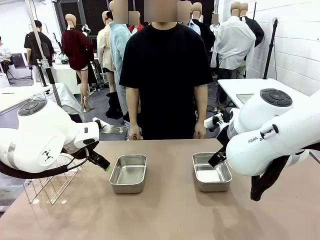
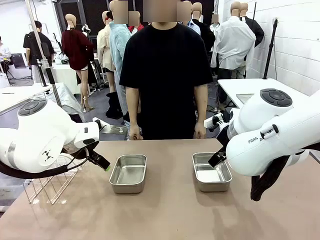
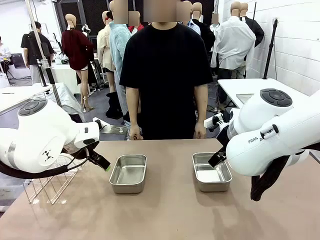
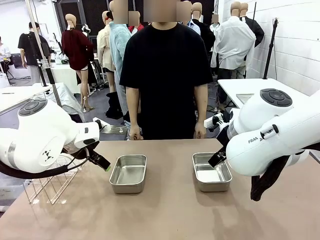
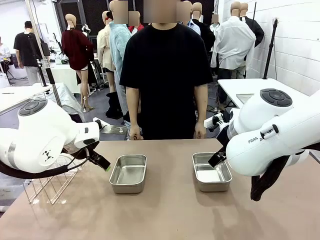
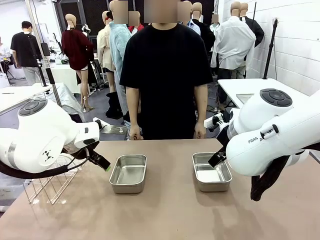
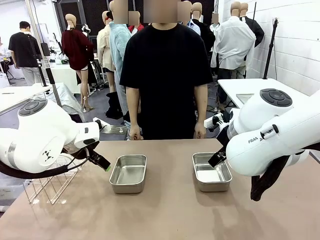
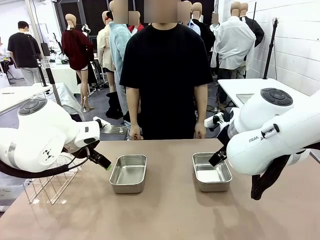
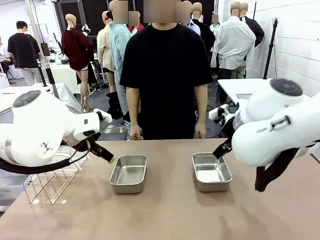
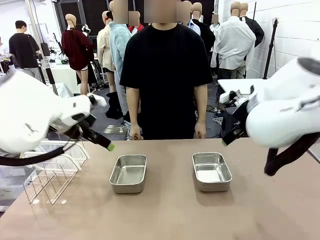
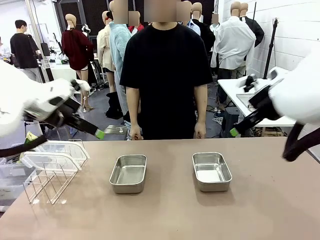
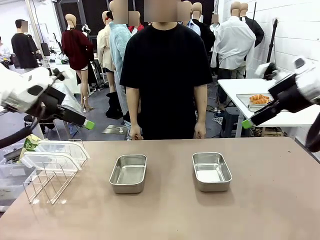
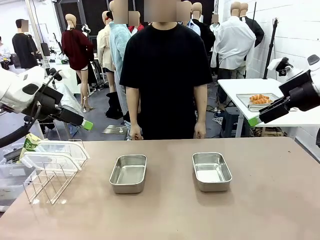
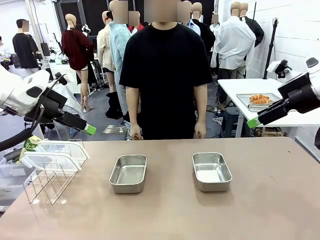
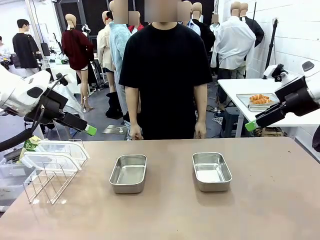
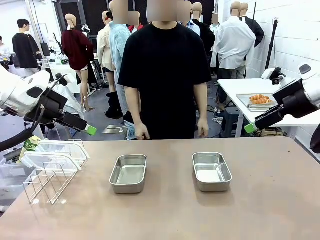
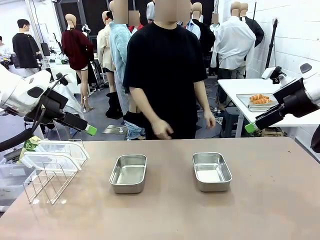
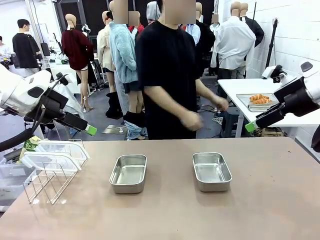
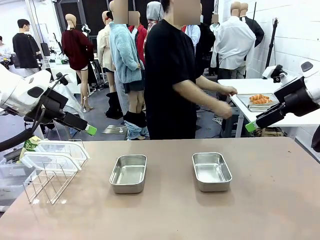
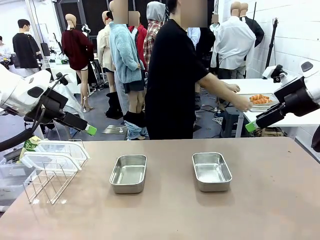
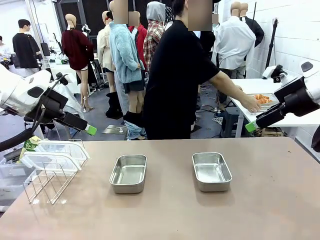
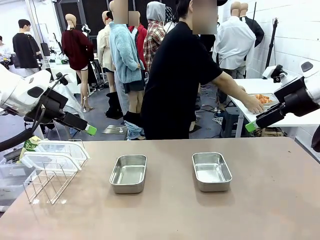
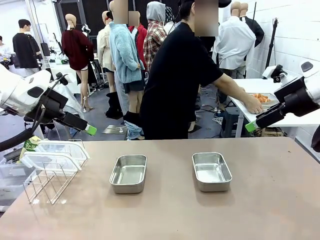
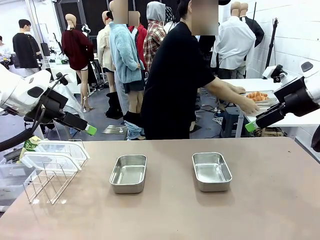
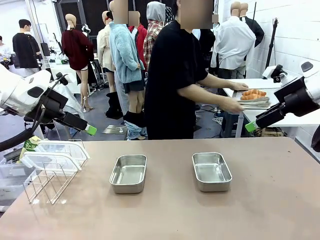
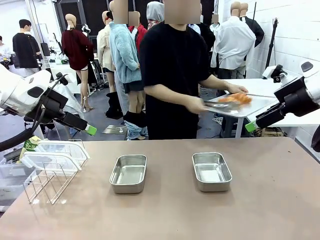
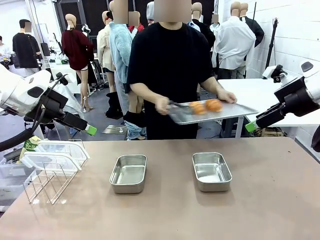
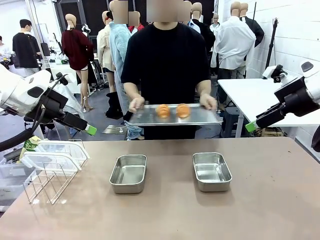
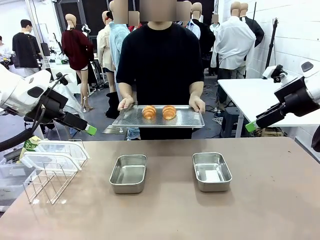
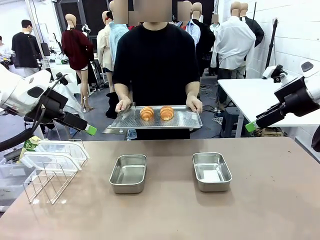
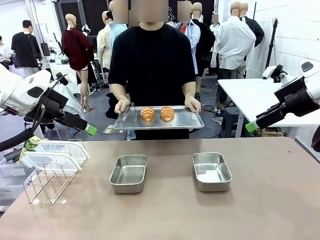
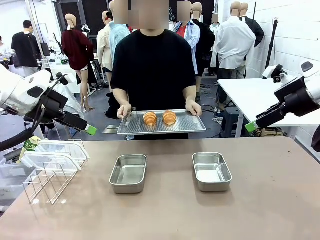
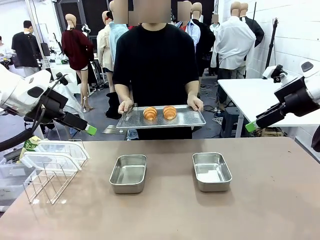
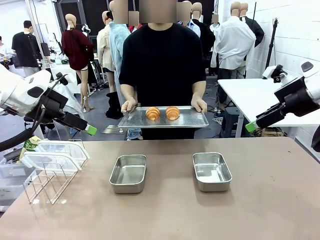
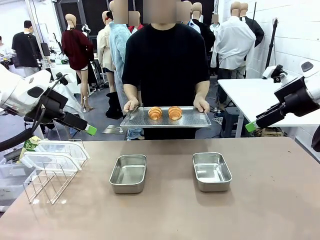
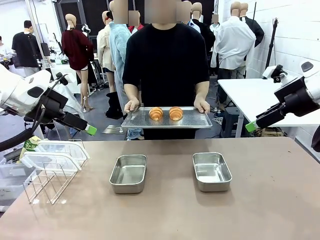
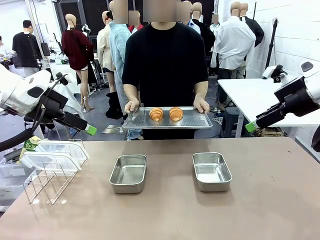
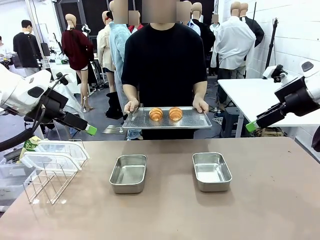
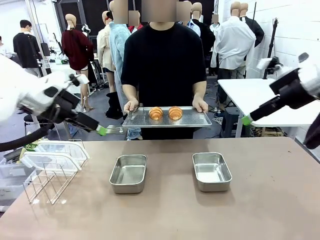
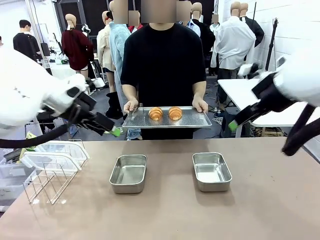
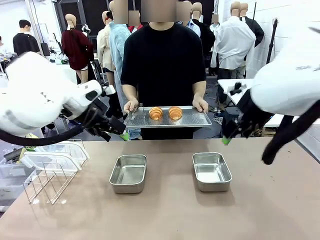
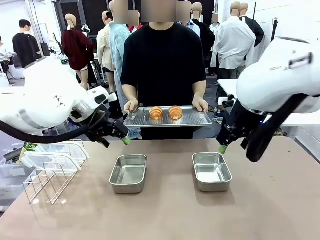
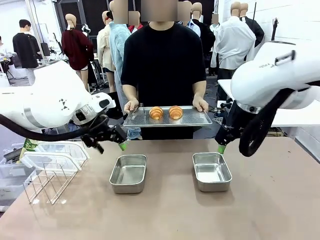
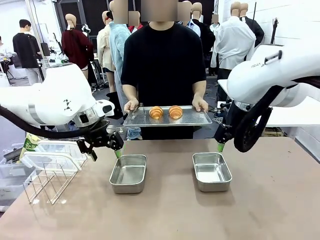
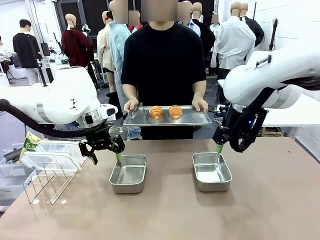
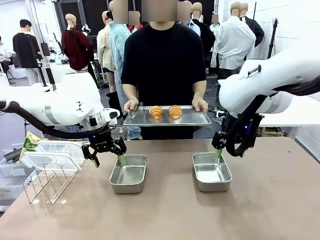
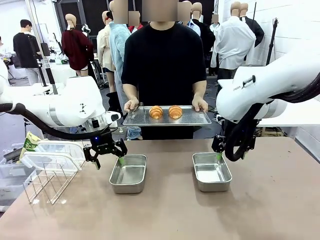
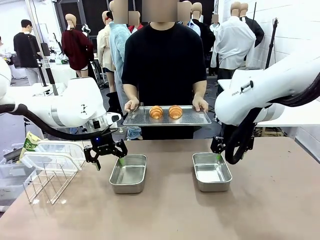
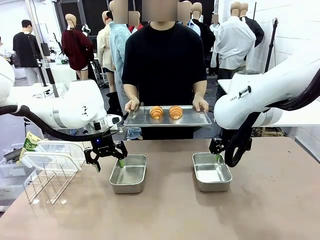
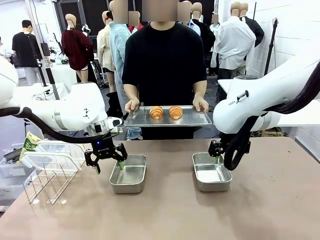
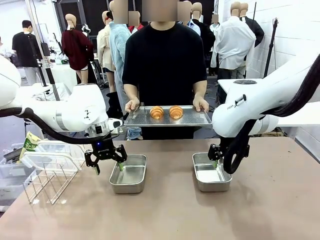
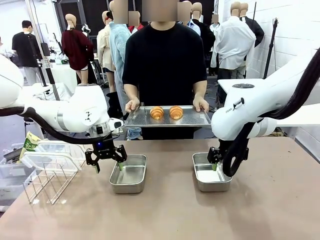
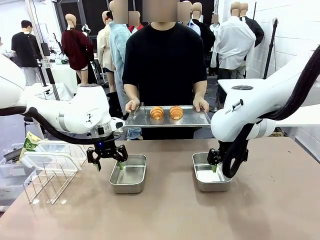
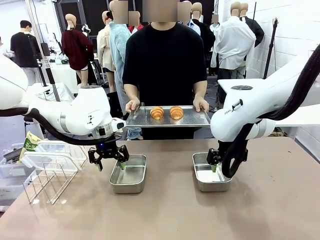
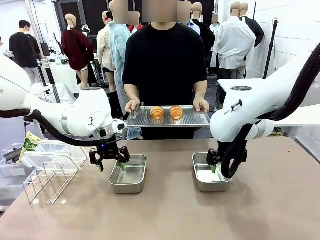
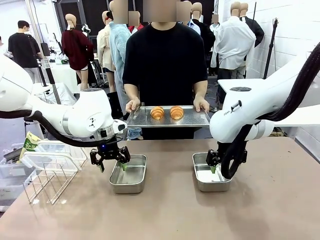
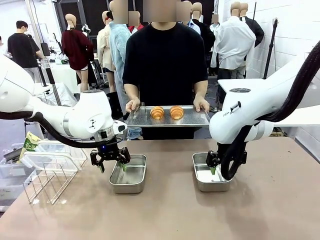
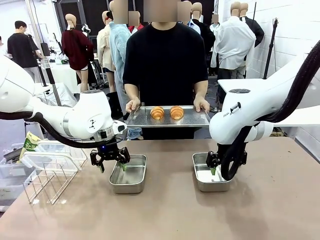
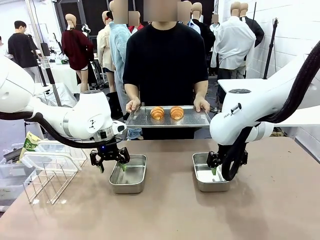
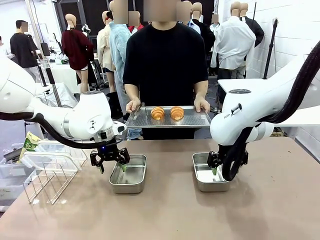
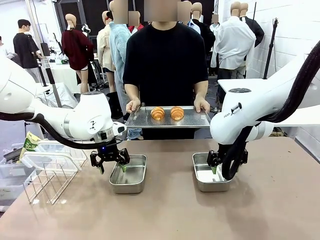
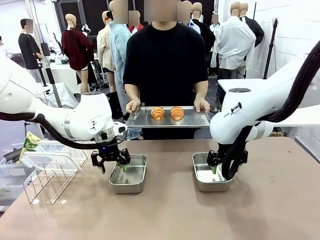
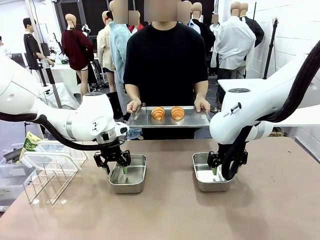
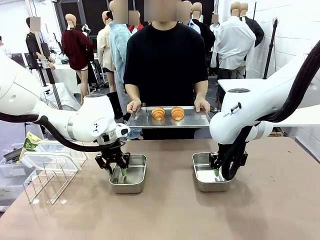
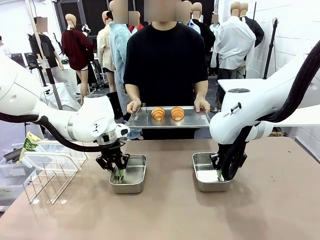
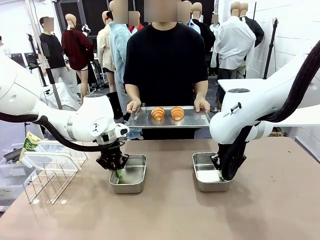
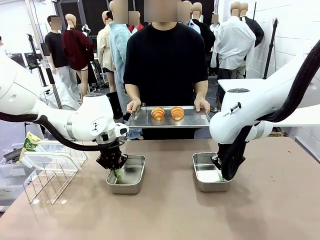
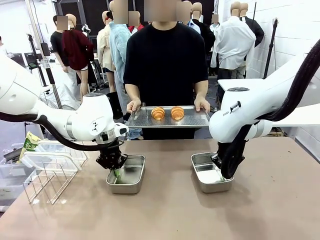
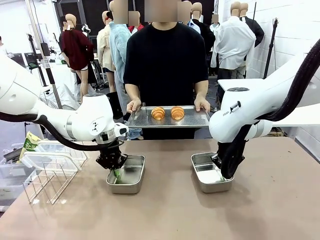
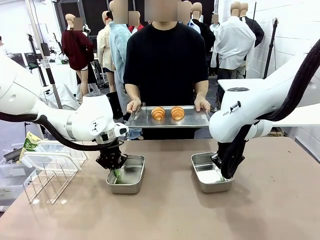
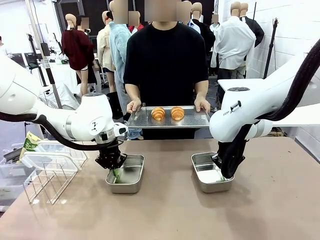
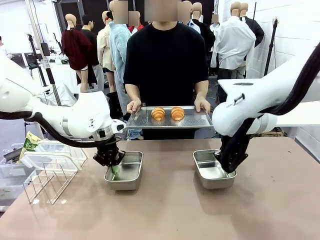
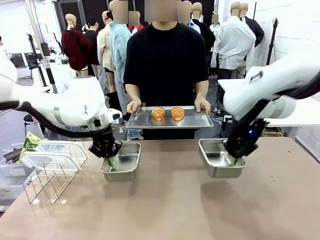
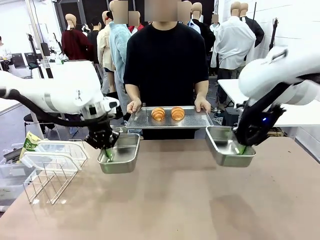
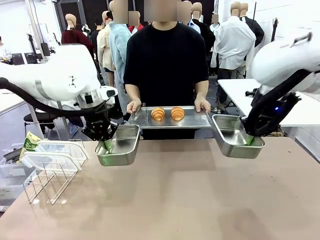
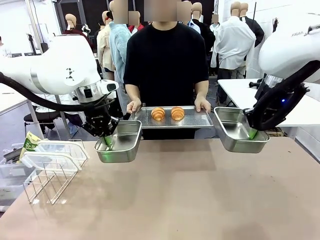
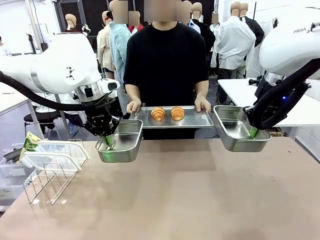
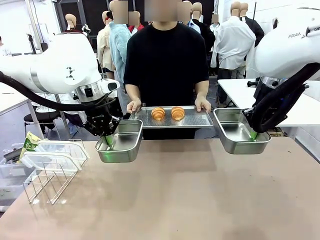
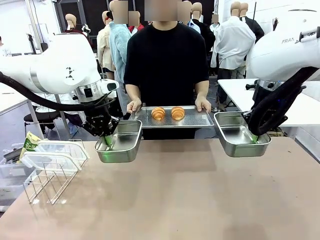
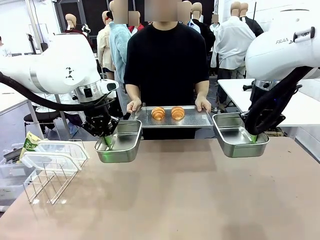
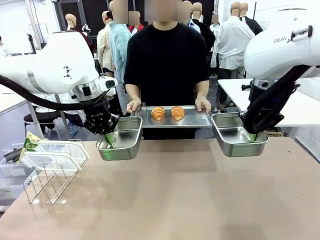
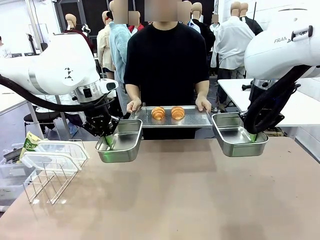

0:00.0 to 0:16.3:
Task: Place the bread in airtight containers.
Robot: Lift both Airtight Container.
Person: Bring the Baking Sheet in front of Robot's Table.
